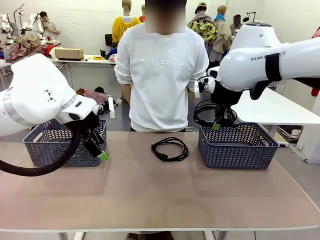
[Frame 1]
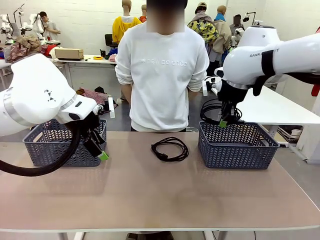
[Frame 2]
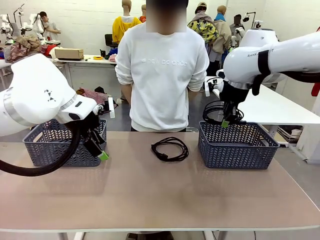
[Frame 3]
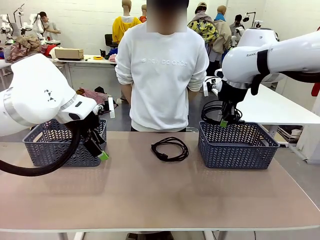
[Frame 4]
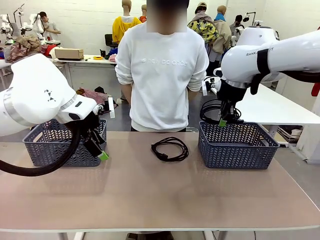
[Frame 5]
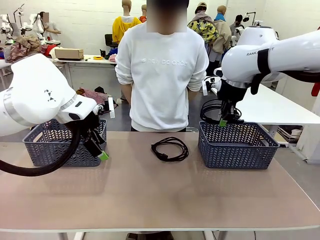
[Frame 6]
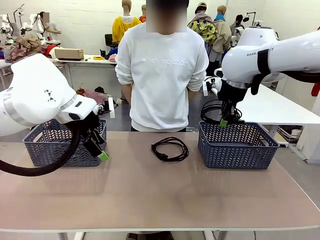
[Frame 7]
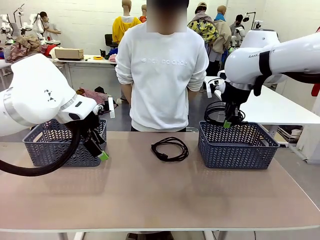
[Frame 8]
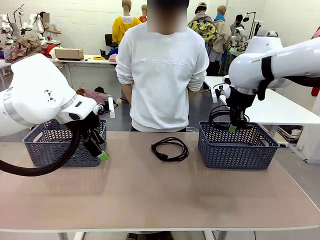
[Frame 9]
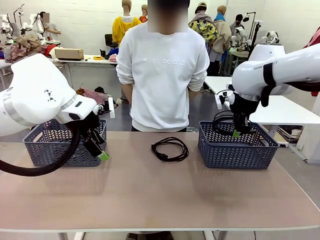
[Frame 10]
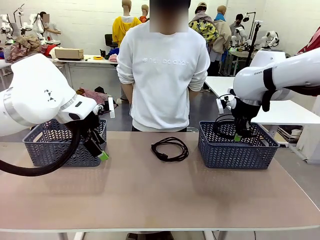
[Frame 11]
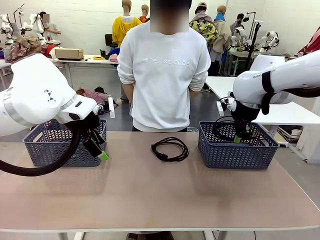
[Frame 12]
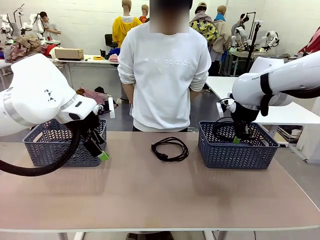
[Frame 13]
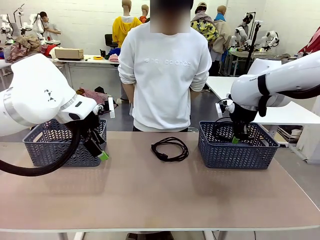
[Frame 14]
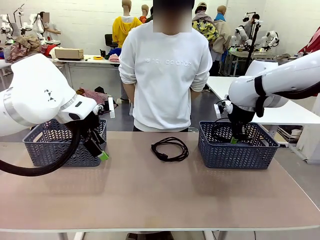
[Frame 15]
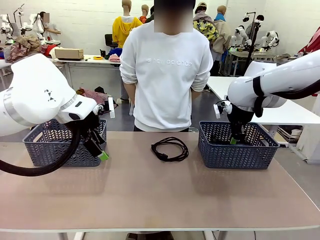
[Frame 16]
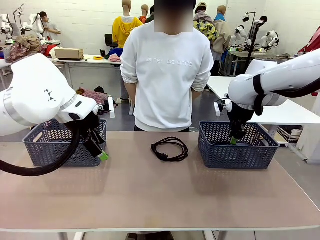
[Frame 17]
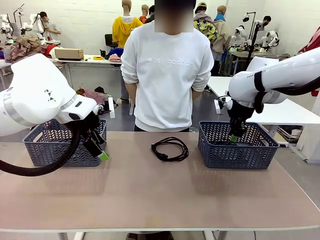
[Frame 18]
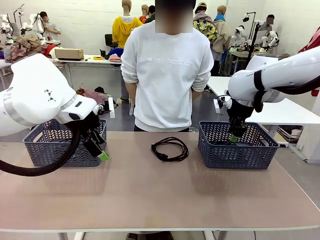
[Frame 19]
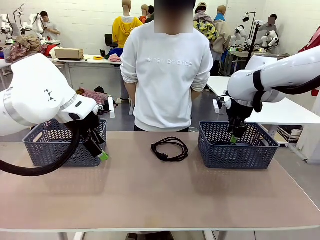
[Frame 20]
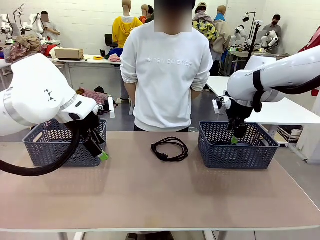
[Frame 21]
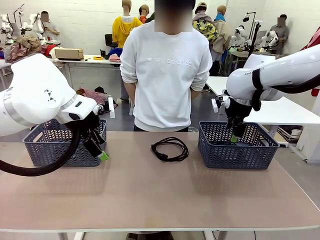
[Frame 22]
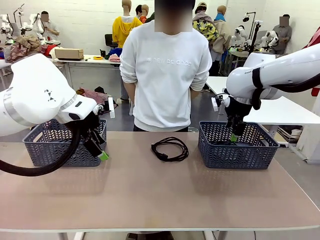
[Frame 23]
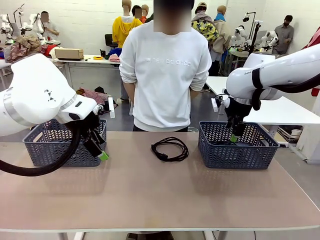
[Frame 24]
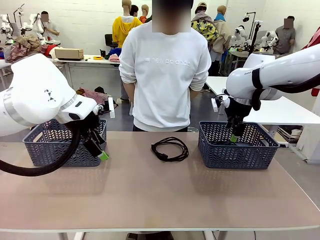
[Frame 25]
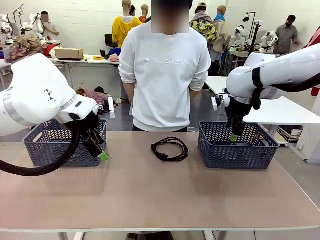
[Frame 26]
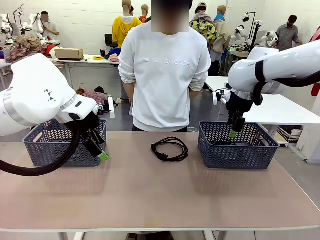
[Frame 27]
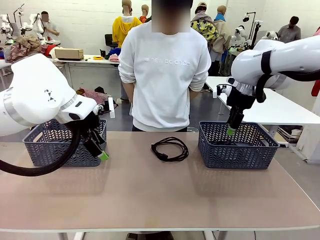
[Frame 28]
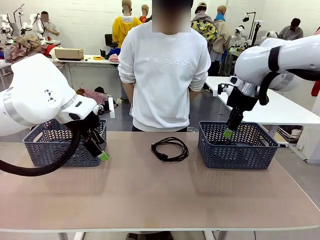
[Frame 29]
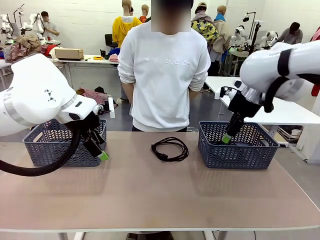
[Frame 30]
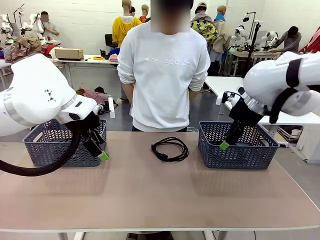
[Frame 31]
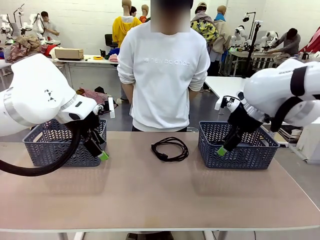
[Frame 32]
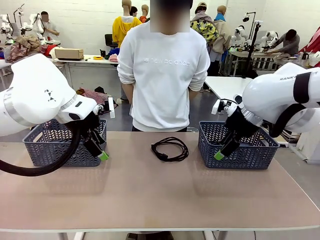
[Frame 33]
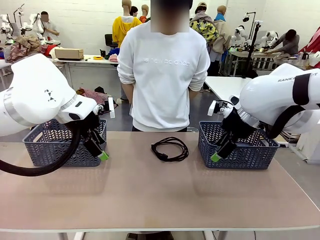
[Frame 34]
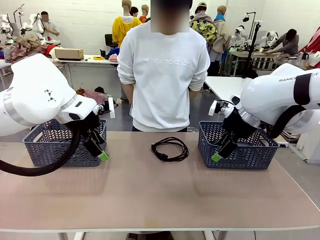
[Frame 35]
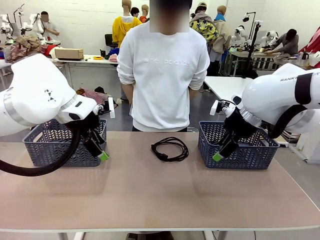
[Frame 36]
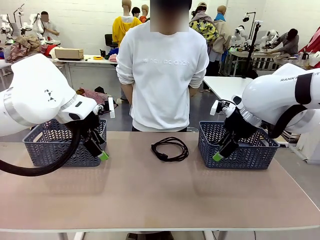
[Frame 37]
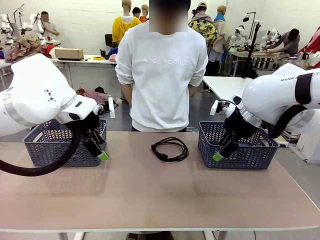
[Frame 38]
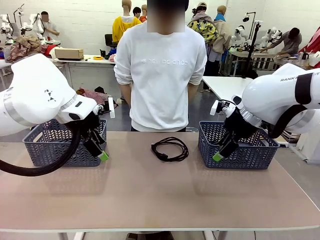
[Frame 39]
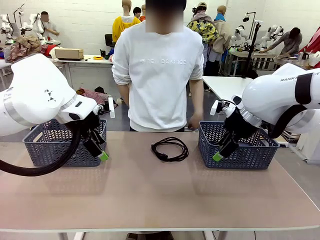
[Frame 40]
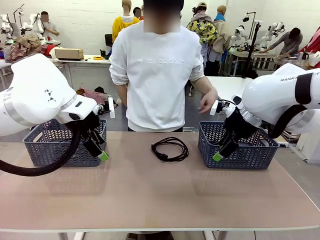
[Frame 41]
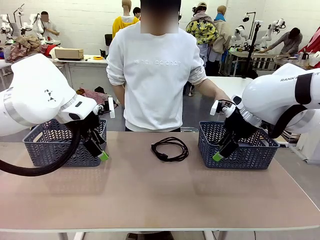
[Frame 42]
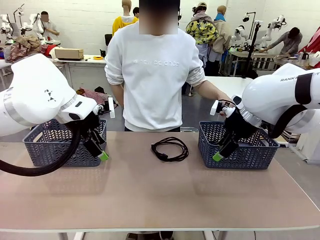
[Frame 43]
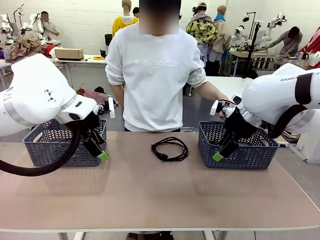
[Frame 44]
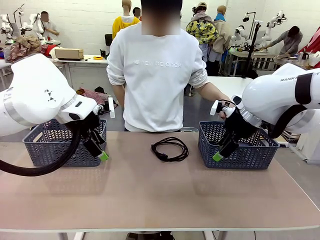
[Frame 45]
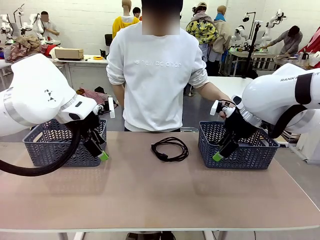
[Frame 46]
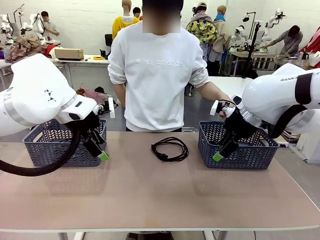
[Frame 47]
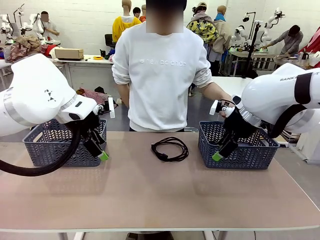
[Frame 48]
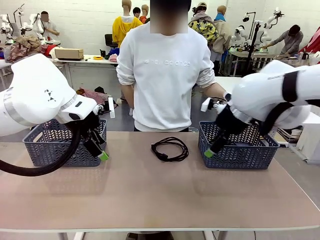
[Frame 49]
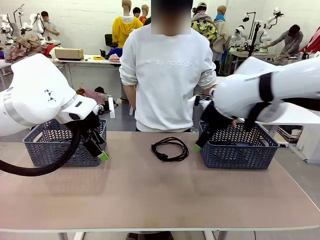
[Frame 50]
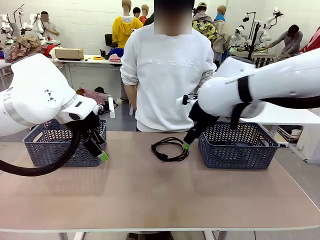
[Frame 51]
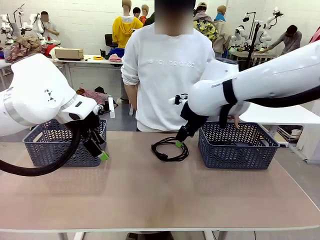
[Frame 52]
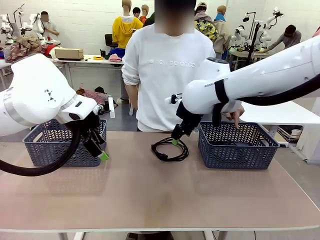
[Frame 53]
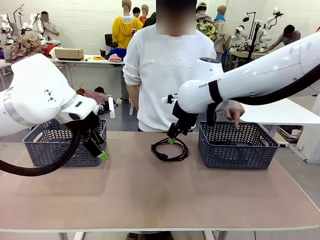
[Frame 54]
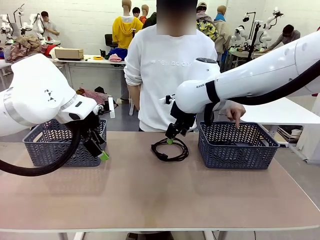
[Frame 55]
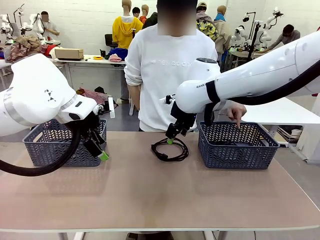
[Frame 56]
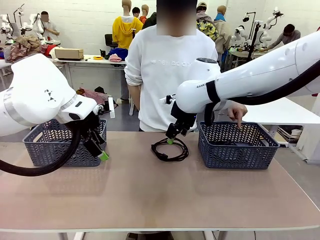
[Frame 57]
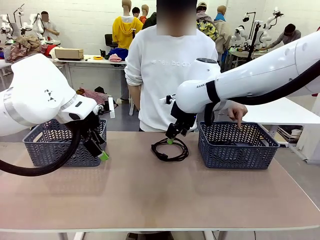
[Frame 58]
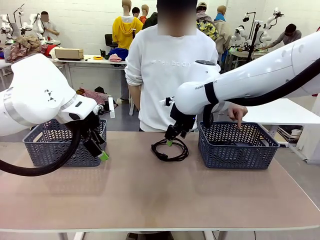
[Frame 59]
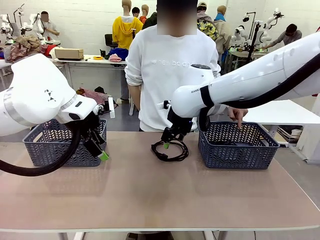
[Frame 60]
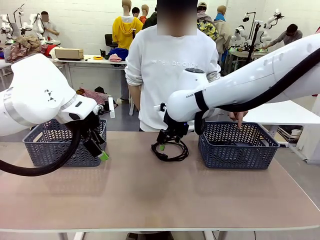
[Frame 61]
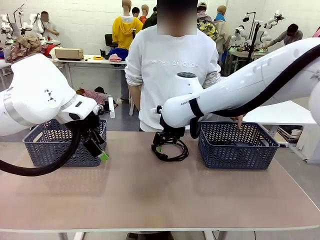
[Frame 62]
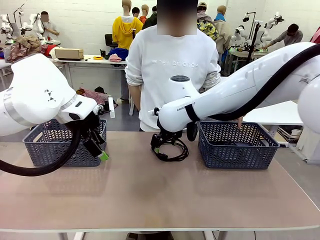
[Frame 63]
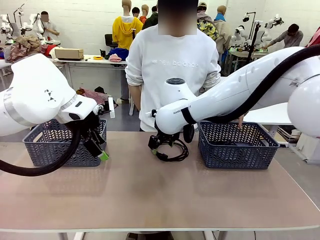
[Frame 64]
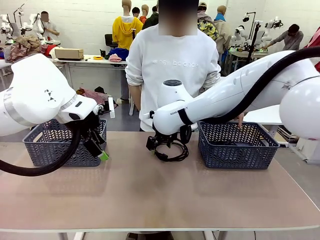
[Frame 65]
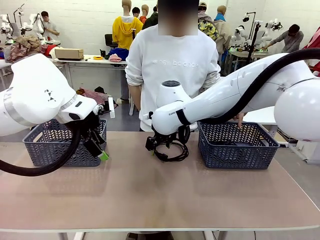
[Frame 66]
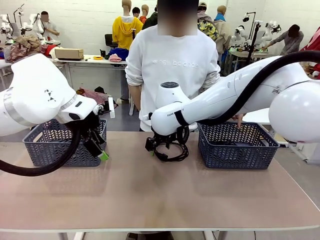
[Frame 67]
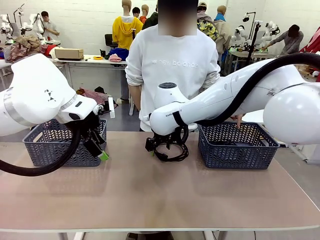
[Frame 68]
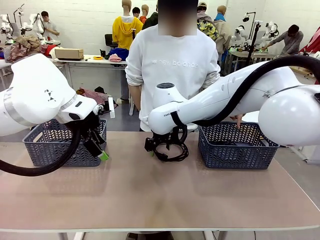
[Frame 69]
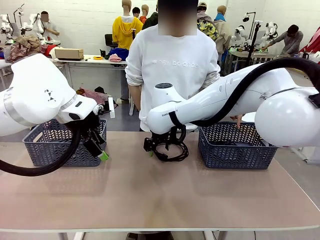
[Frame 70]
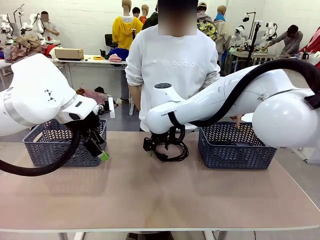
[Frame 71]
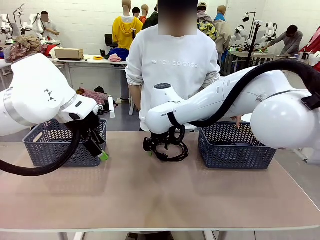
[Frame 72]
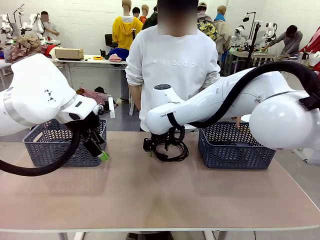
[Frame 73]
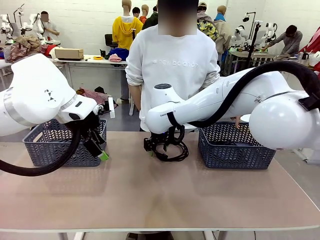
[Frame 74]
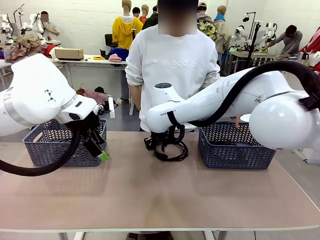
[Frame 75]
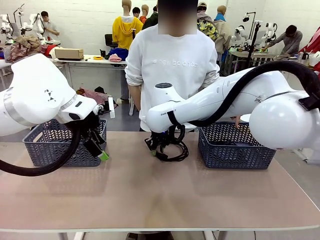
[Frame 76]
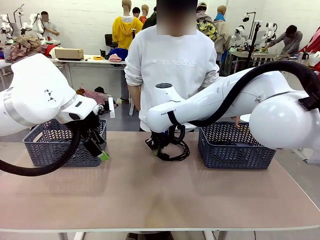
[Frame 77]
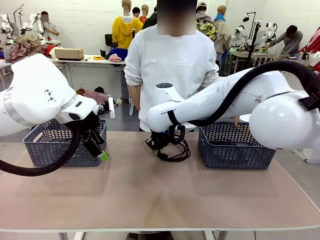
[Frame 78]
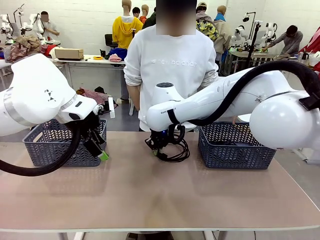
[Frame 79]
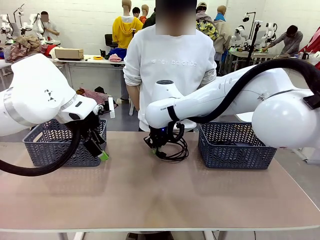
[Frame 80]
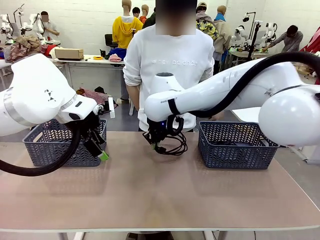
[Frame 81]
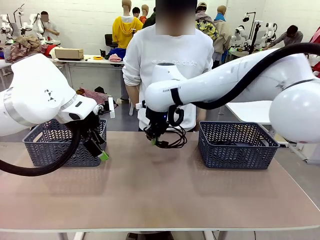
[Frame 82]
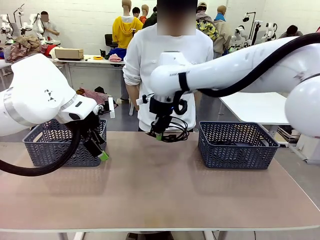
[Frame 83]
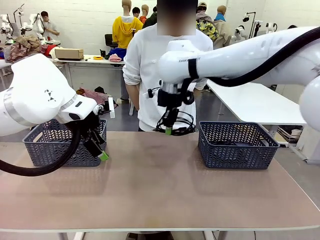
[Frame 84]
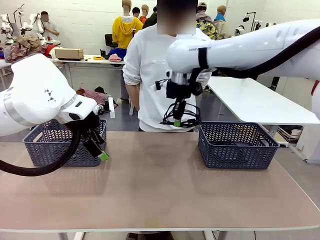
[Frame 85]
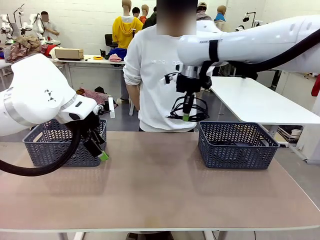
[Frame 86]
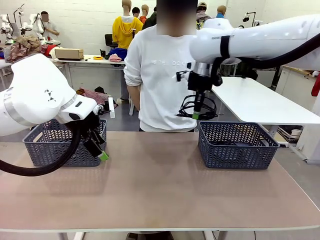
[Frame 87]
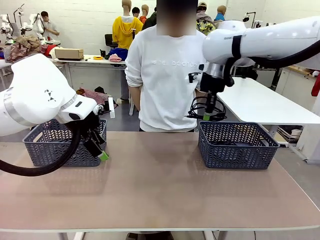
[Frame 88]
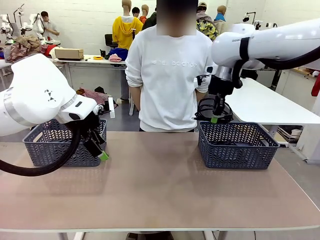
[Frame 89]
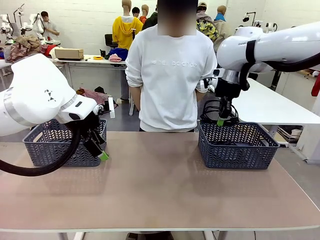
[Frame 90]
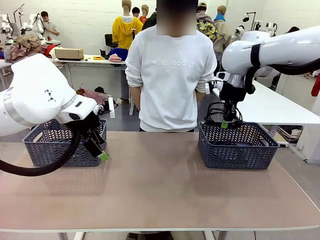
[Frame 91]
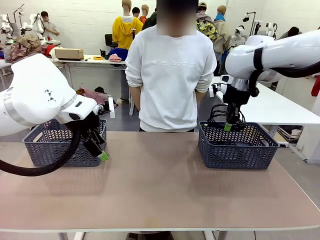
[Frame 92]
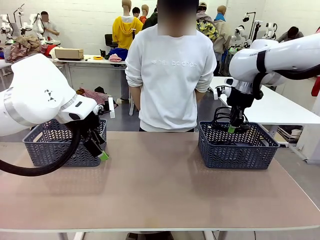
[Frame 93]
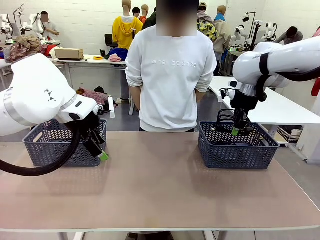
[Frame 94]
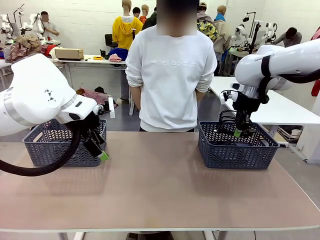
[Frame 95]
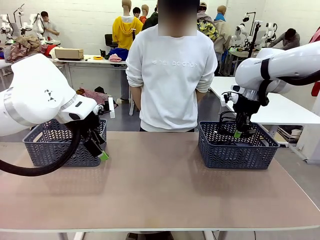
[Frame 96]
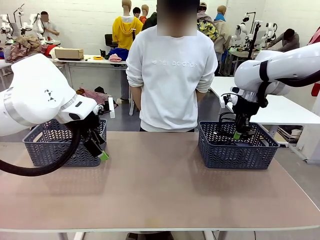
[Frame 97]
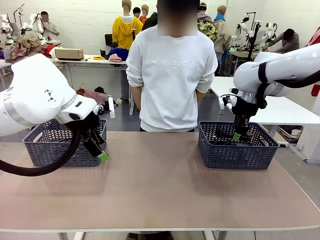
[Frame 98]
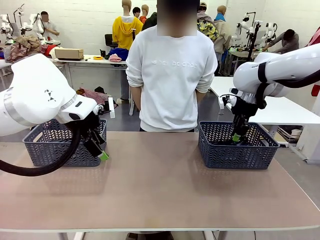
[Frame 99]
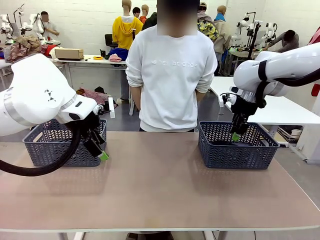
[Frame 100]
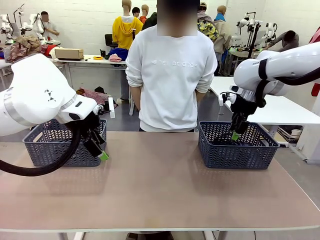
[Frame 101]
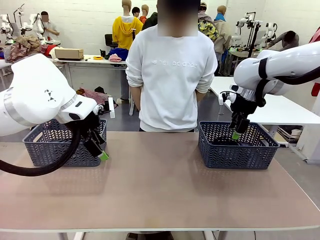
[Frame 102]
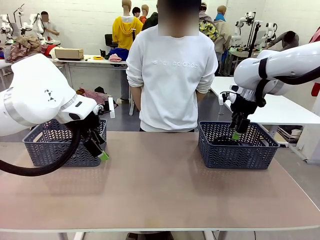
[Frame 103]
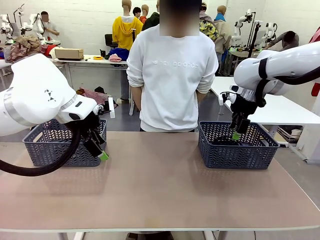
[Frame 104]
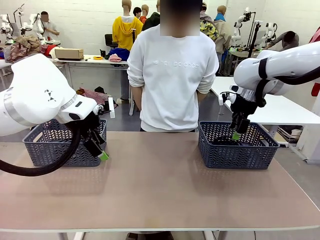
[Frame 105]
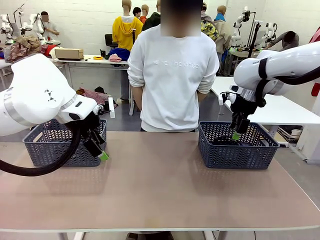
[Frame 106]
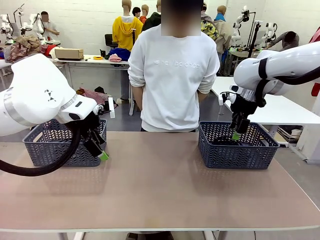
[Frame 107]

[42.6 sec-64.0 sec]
Task: Organize the cables according to human instructions.
Robot: Pick up a bundle of cables and place it in the basket indicated by the human.
